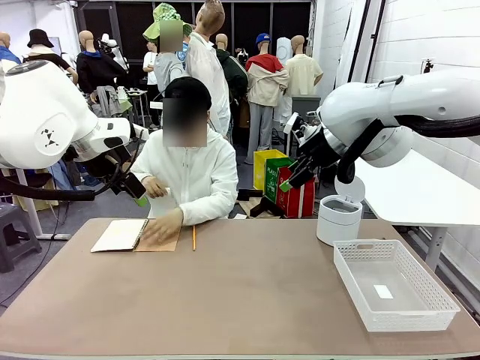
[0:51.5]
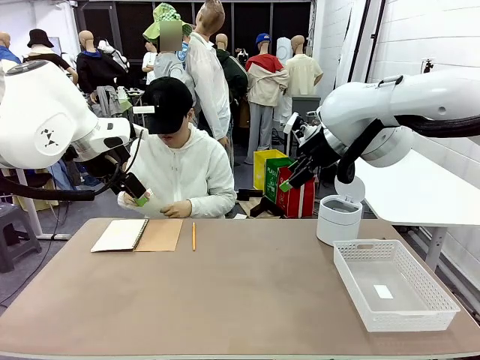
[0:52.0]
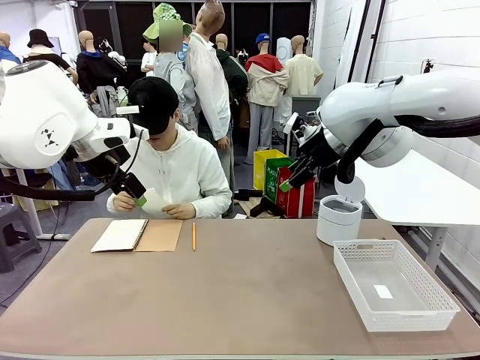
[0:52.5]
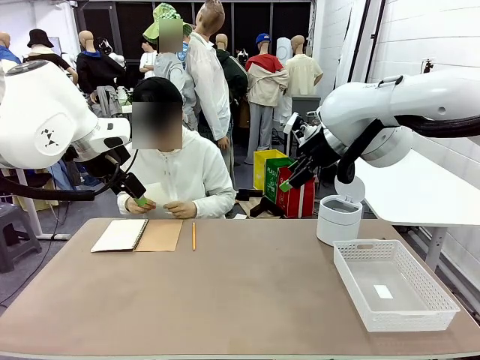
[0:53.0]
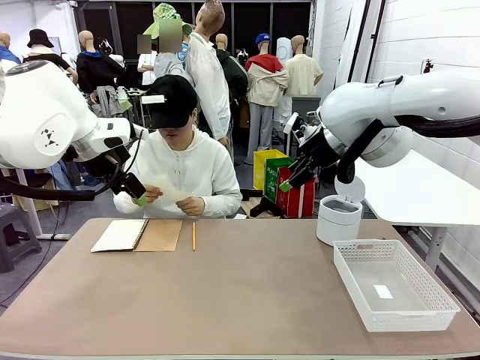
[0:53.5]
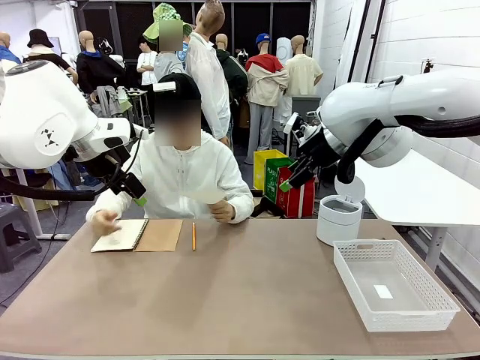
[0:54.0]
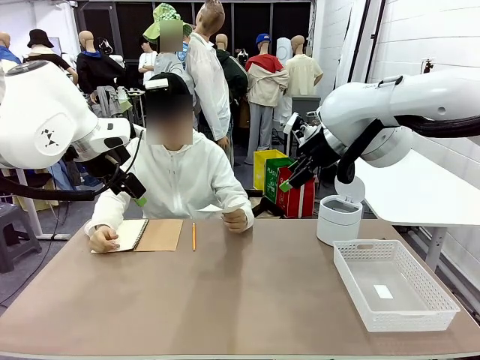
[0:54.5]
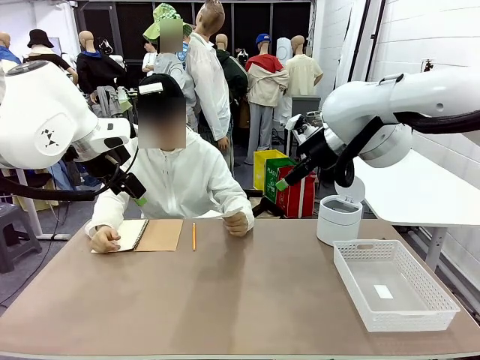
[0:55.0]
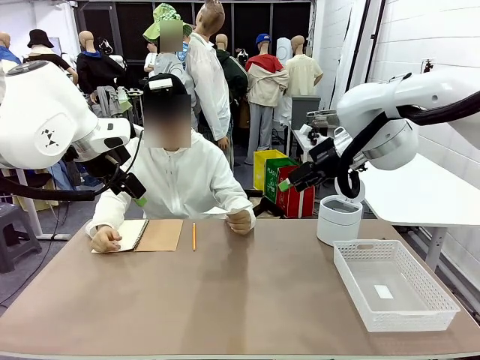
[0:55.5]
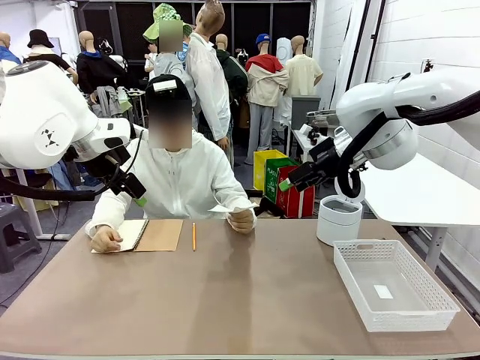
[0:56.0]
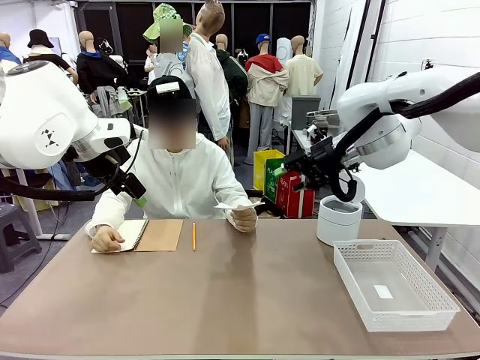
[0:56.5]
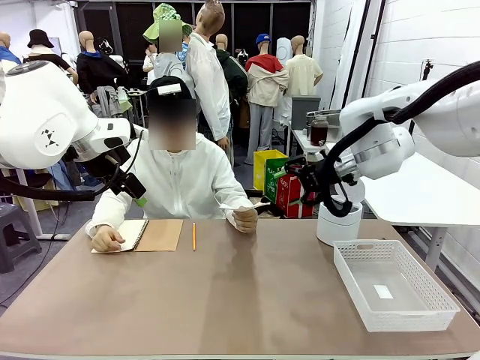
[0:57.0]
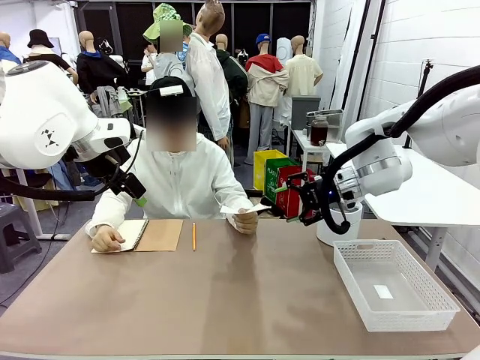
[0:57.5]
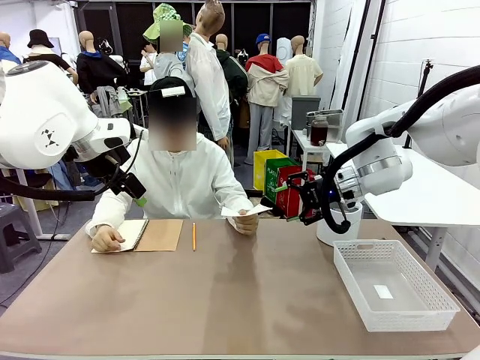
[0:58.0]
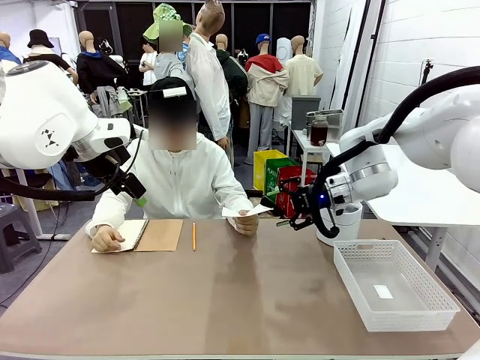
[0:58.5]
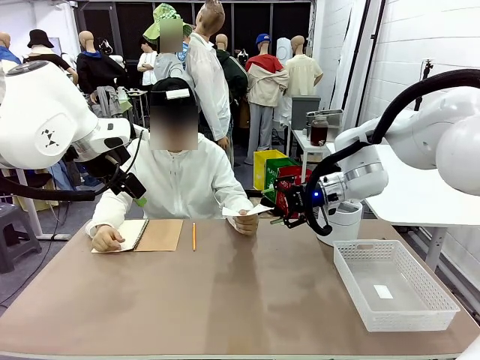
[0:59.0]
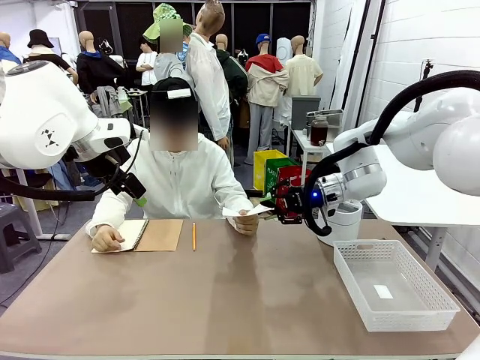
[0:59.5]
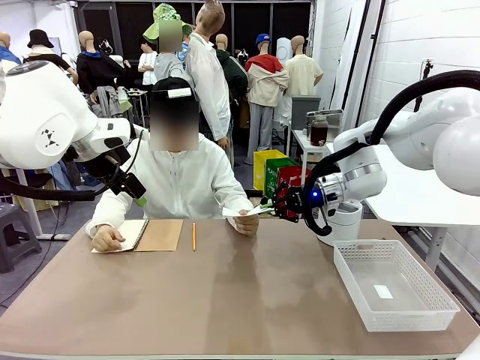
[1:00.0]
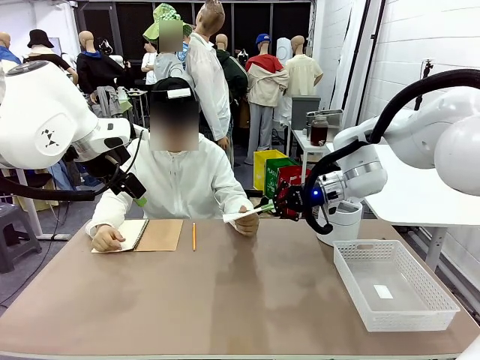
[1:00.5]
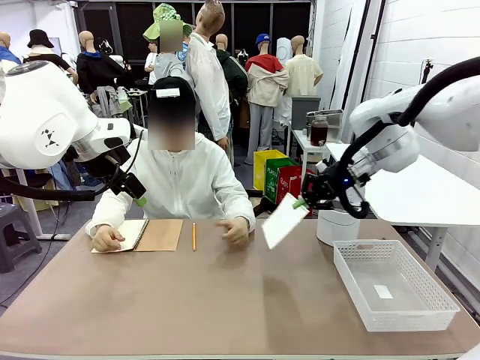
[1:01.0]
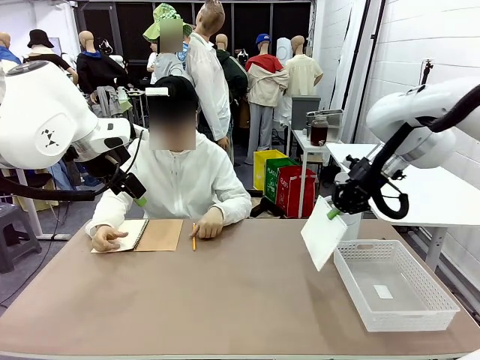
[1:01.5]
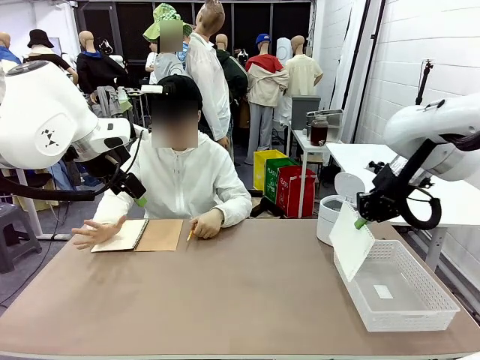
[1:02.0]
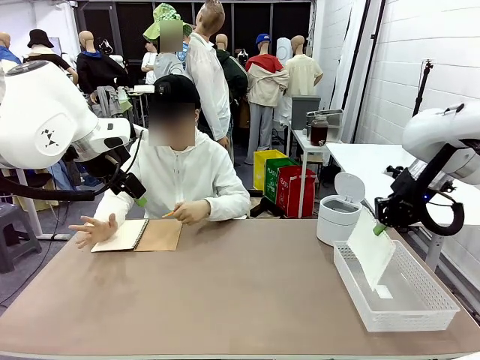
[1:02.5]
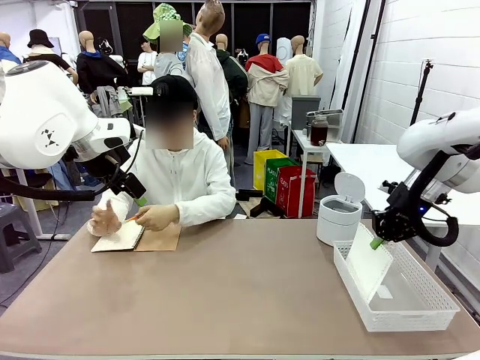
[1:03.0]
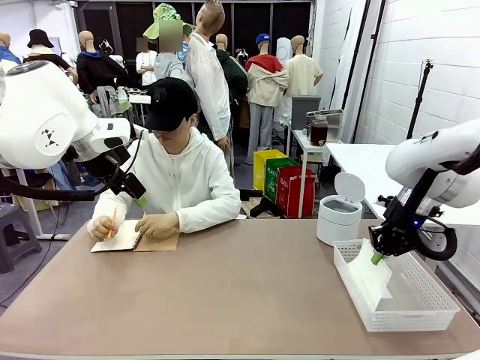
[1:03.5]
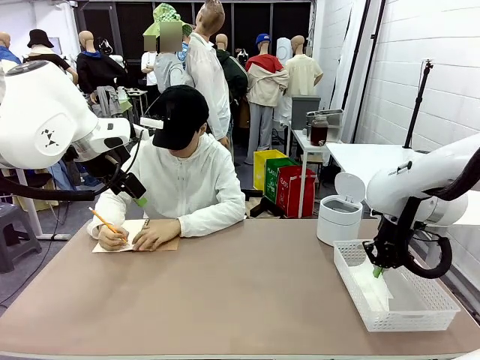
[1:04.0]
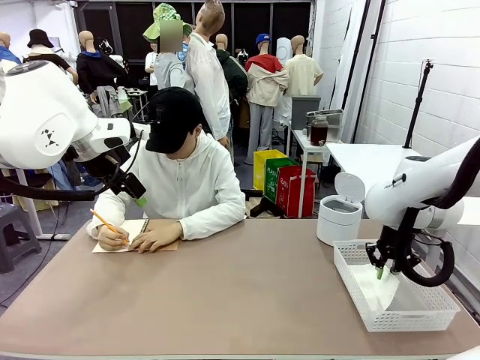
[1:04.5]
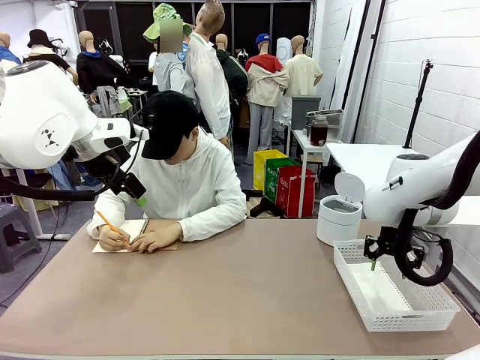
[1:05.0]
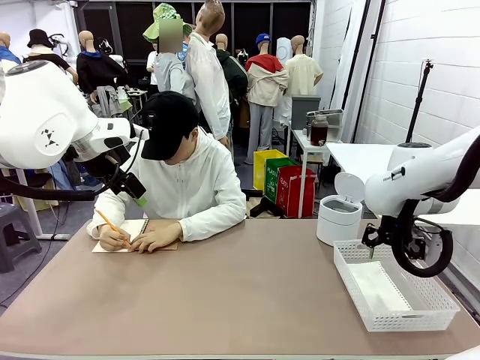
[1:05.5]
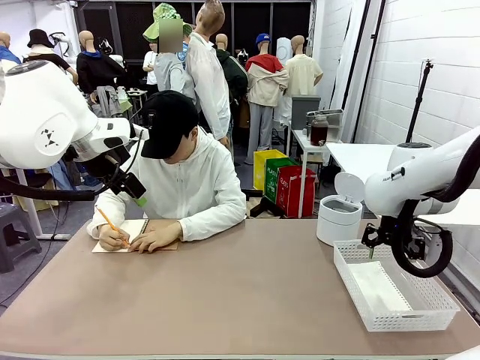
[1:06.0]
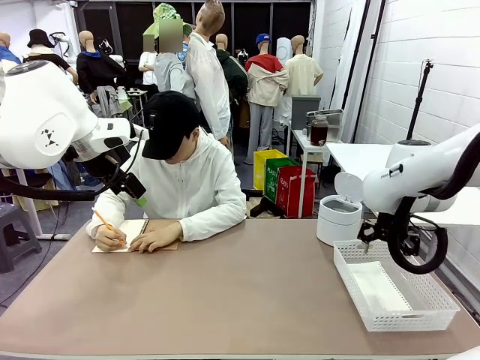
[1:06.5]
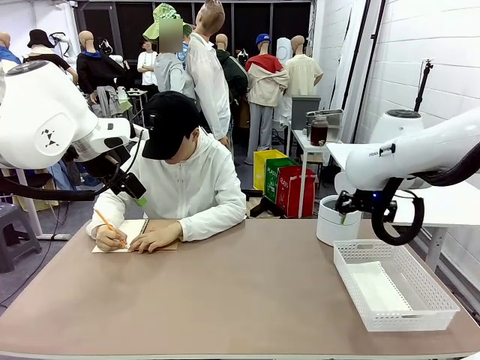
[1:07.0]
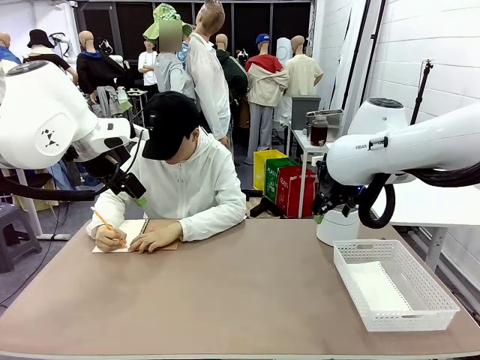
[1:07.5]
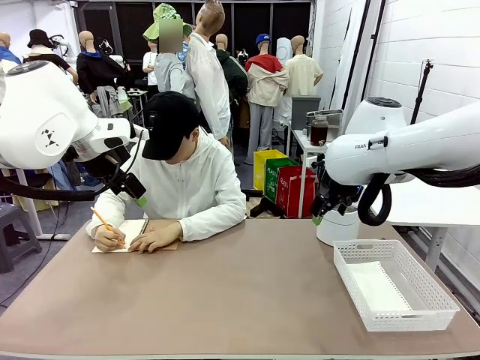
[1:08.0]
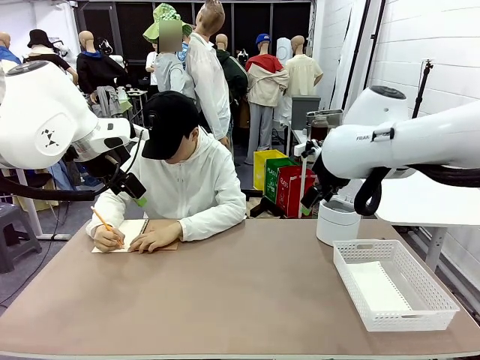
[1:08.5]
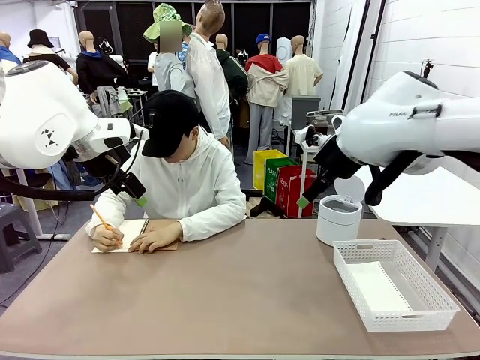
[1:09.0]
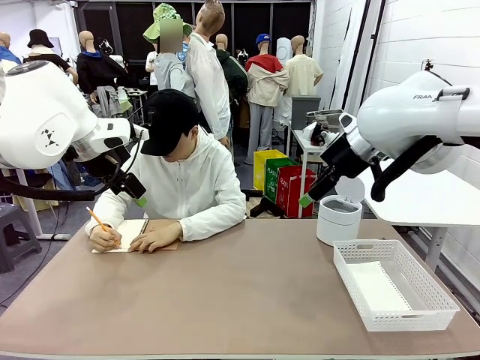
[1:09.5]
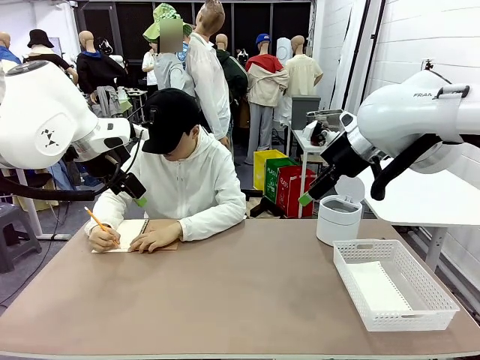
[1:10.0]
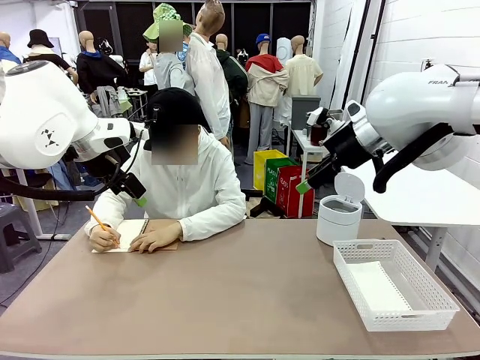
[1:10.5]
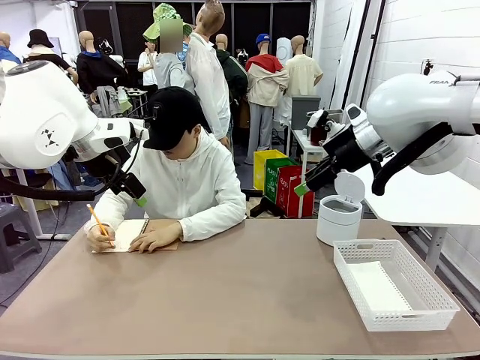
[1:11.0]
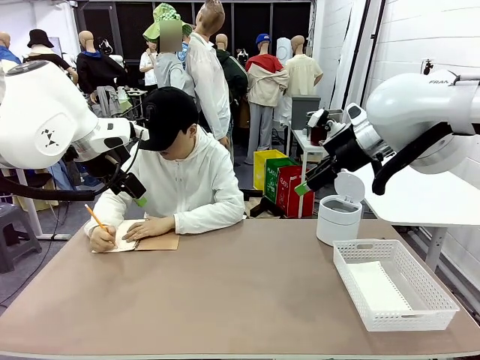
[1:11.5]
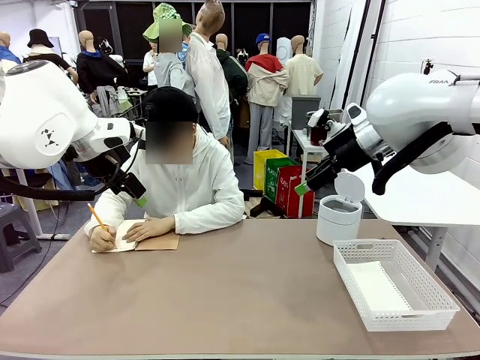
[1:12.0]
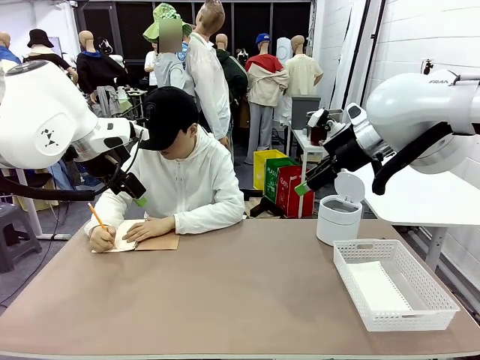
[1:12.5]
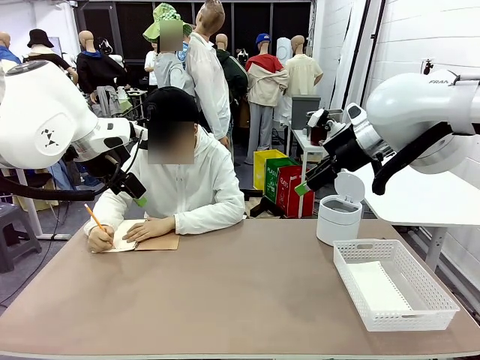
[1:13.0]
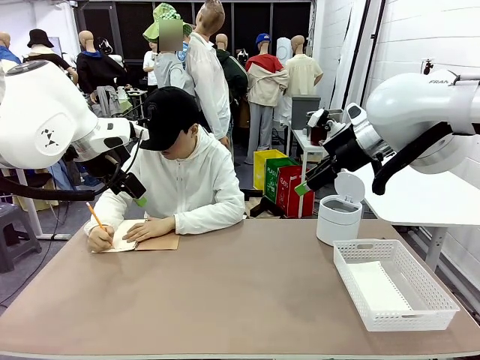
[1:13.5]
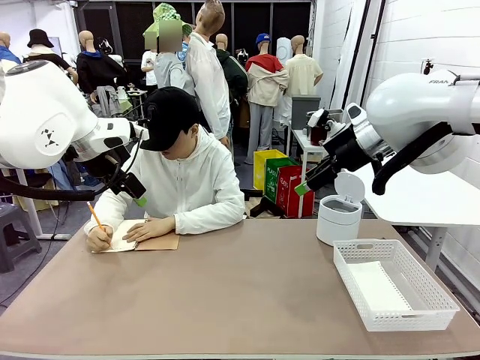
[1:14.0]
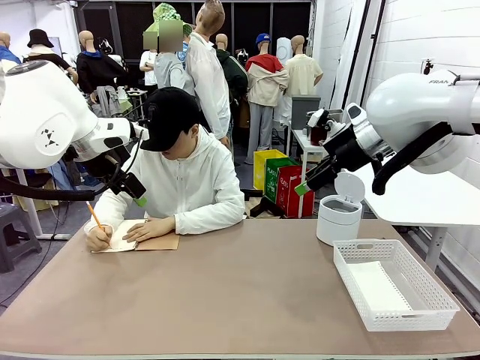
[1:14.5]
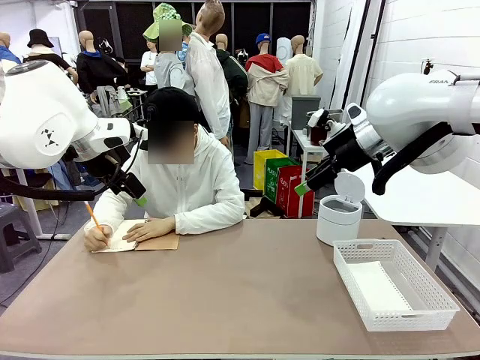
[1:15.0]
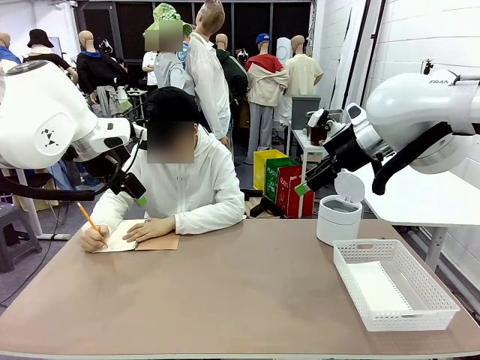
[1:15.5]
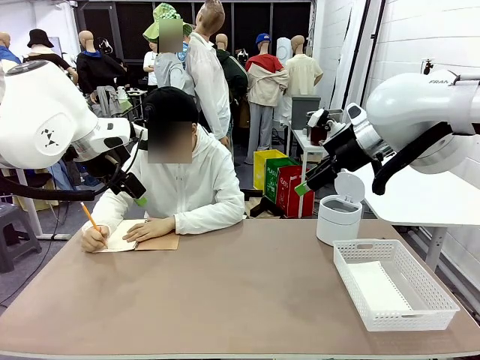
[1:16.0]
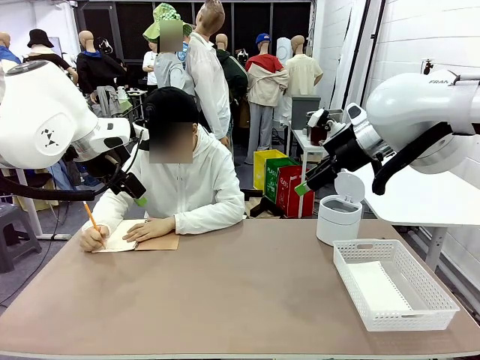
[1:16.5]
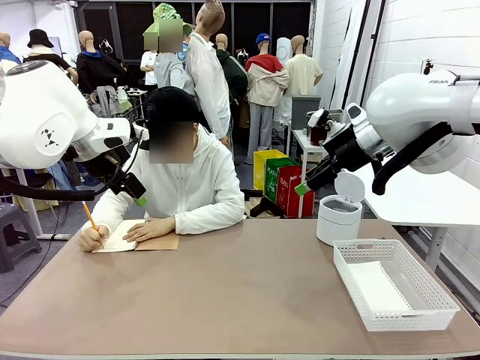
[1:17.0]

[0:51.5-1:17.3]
Task: Sort the paper based on its condition.
Robot: If a person hands you a paper, place it in the Organizing basket , and if it's crumpled, put it in the Trash can.
Person: Hand the torn page to the robot or crumple it and throw it to the center of the table. Tear out a page from the spiral notebook.
